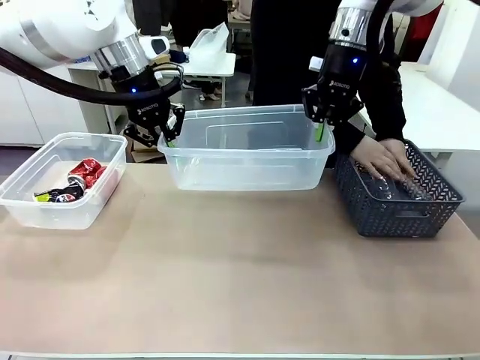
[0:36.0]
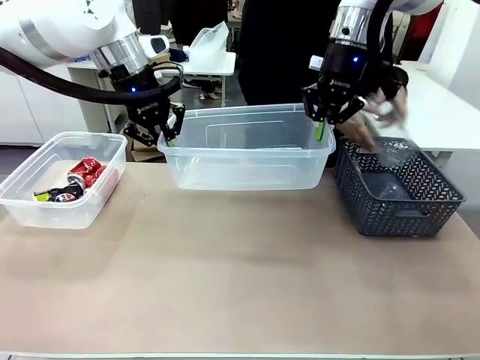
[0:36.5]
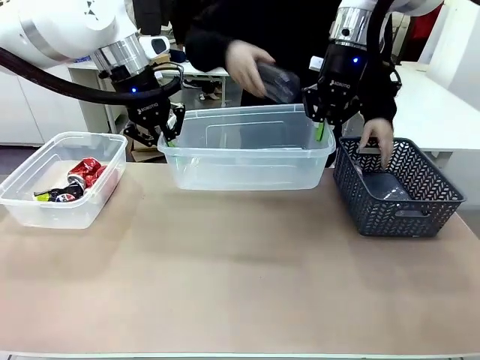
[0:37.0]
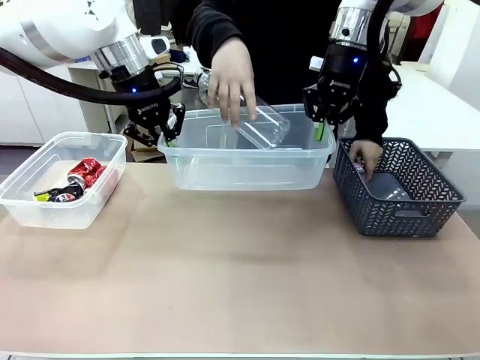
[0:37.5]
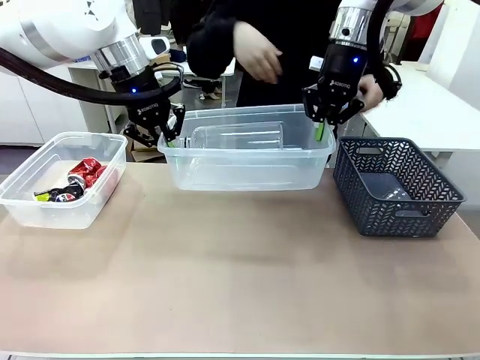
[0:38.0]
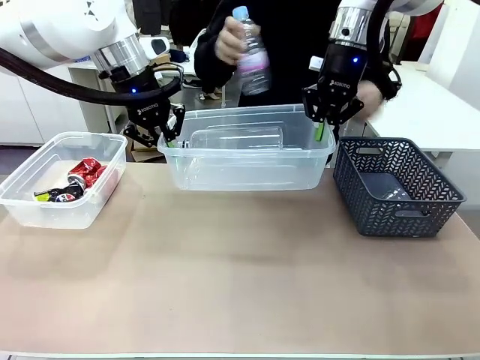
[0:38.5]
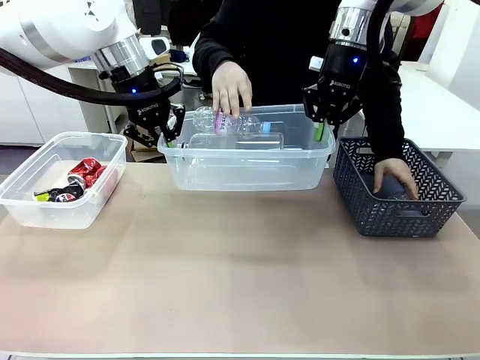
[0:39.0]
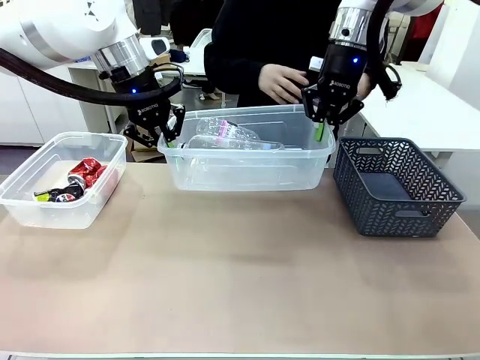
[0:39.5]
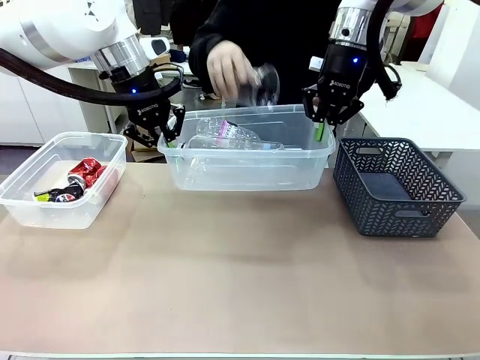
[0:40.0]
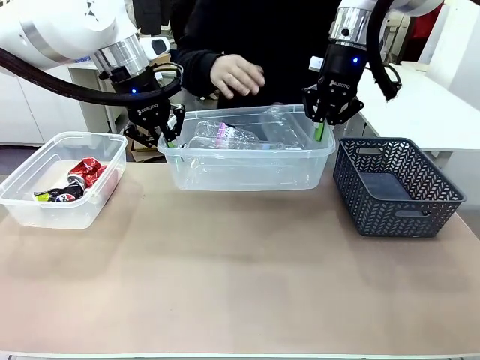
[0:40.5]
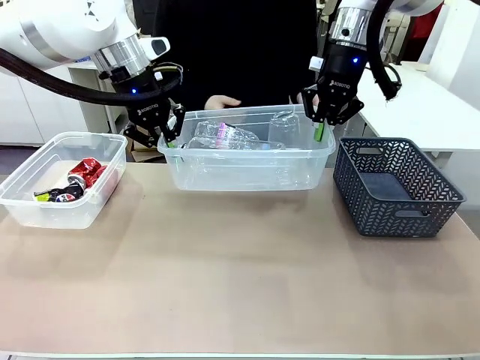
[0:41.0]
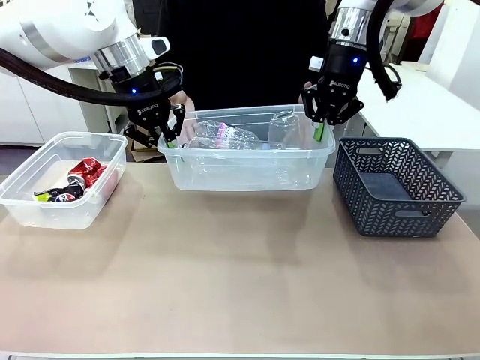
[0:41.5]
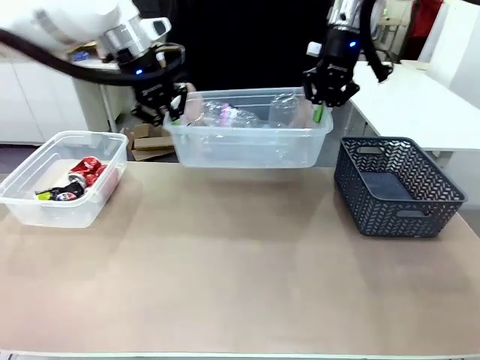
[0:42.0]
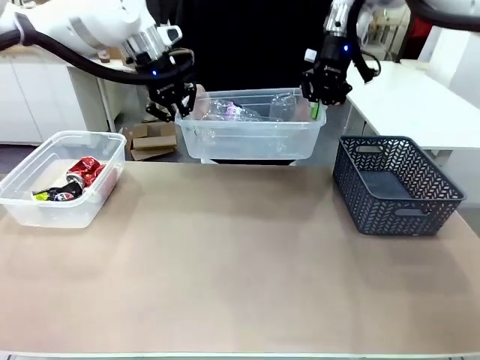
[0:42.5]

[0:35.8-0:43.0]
Robot: Offer the picked Organizing box to the human.

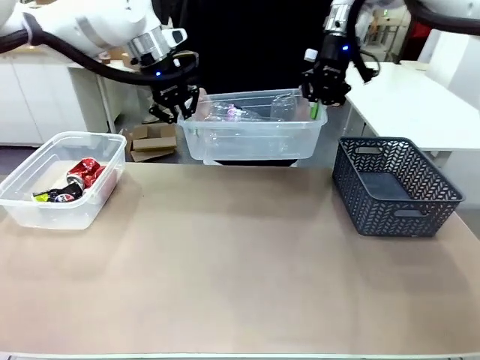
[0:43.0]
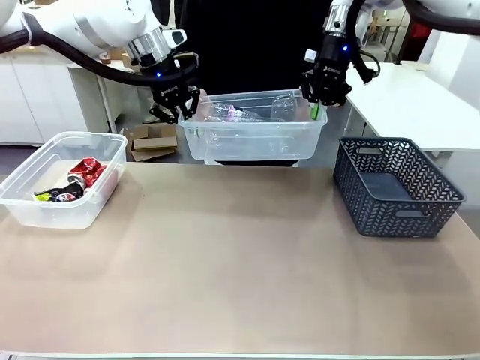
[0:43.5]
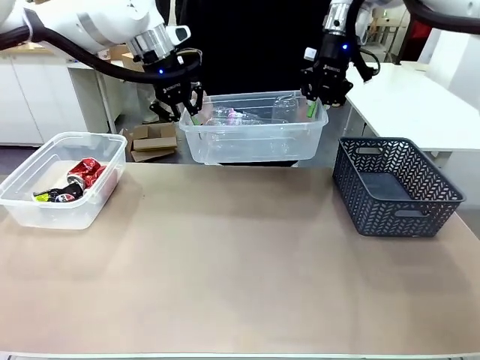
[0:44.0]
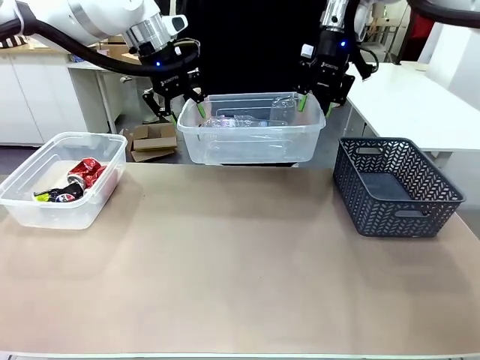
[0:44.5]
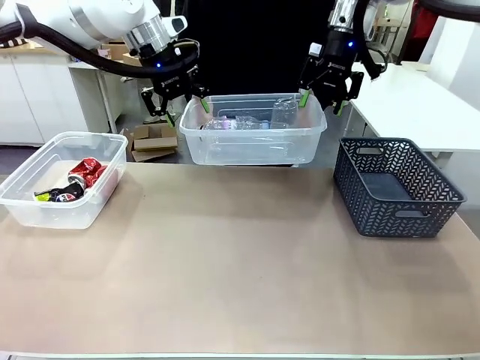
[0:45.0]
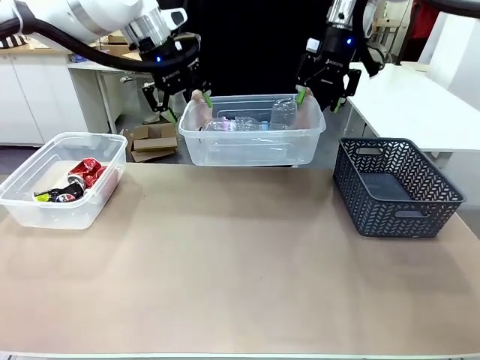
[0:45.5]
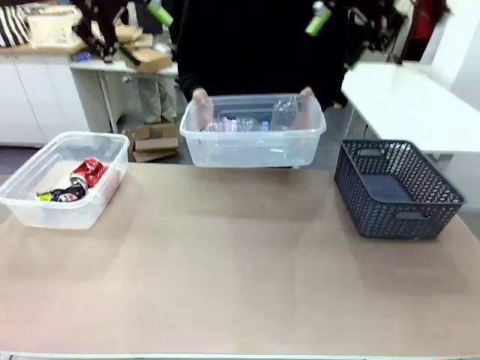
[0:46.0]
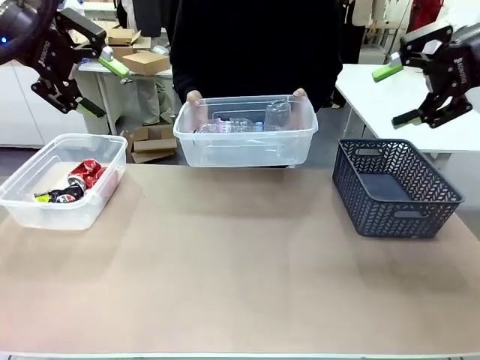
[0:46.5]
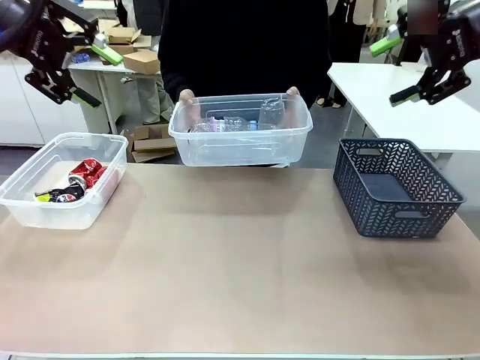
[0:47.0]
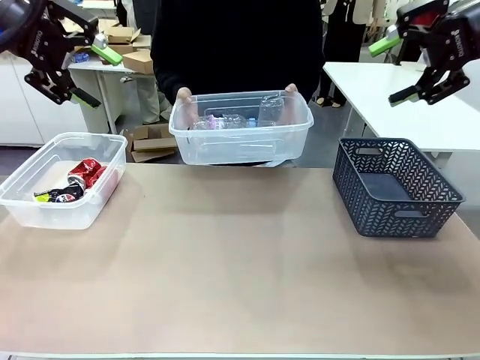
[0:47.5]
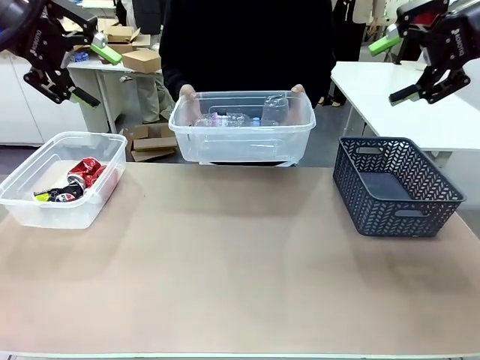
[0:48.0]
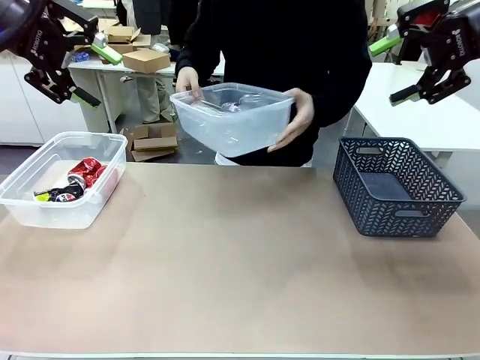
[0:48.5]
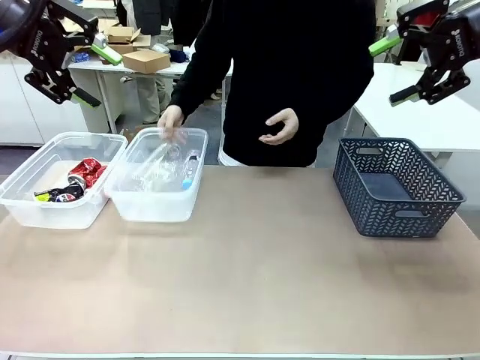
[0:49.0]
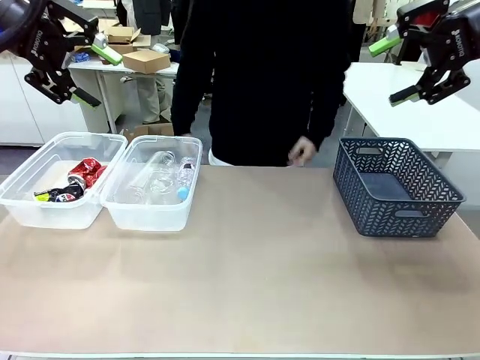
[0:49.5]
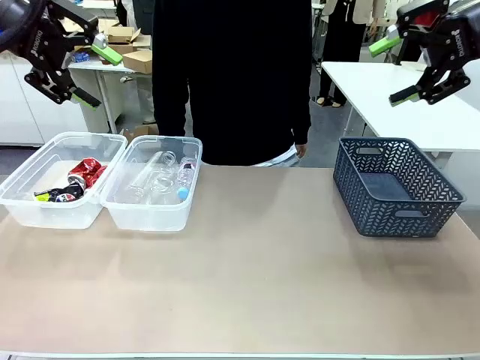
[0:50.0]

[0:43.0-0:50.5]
Robot: Release the Organizing box you were holding.
Person: Pick up the organizing box extended by the robot. Place the organizing box to the left of the sorting box containing the can waste.
